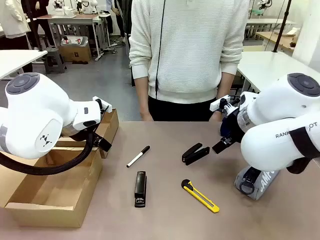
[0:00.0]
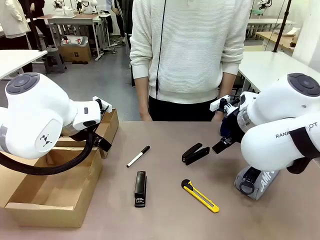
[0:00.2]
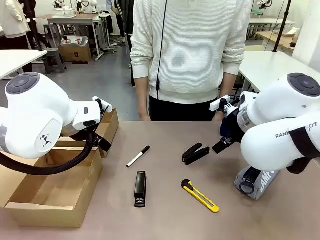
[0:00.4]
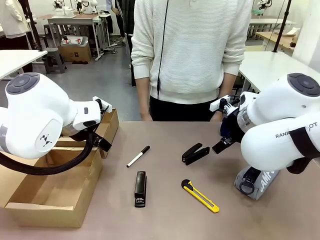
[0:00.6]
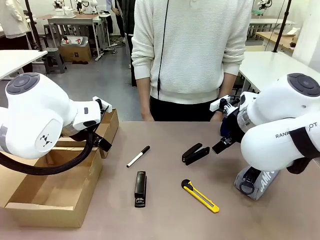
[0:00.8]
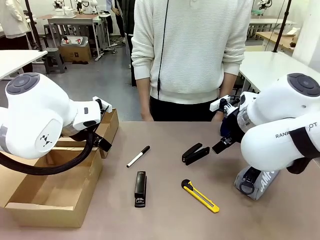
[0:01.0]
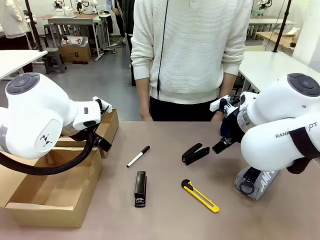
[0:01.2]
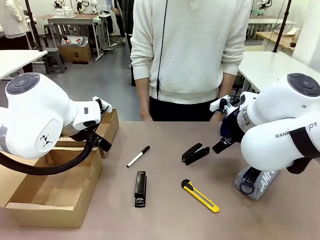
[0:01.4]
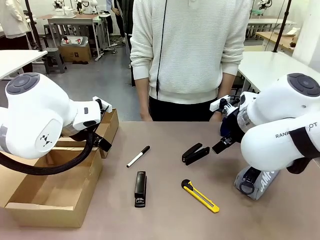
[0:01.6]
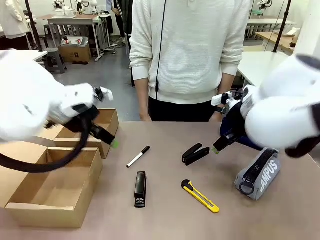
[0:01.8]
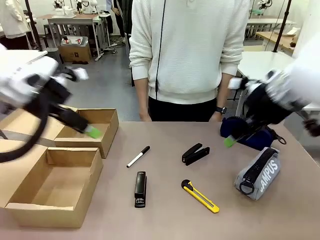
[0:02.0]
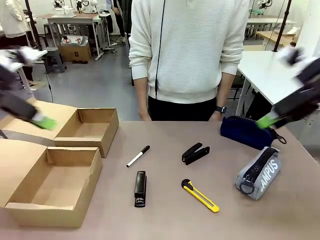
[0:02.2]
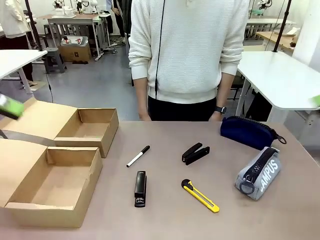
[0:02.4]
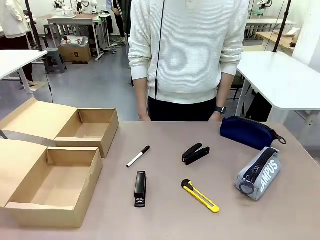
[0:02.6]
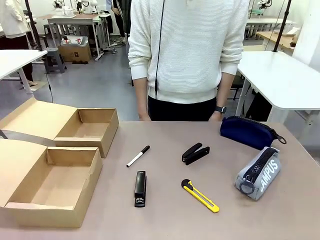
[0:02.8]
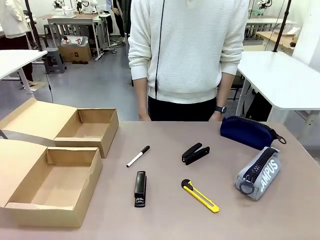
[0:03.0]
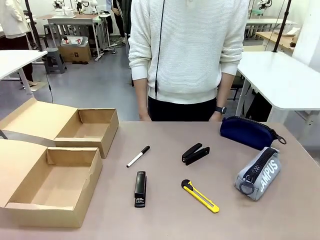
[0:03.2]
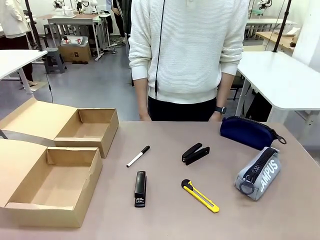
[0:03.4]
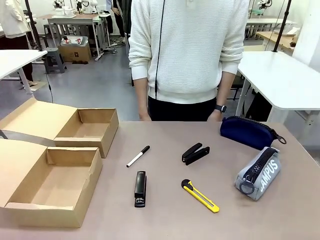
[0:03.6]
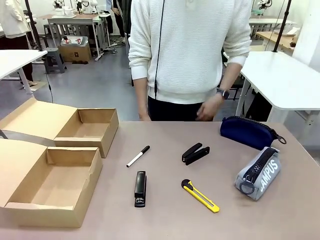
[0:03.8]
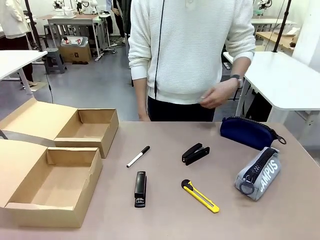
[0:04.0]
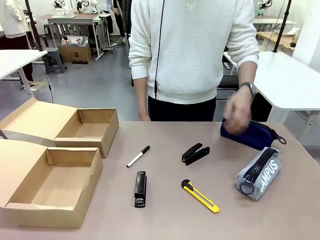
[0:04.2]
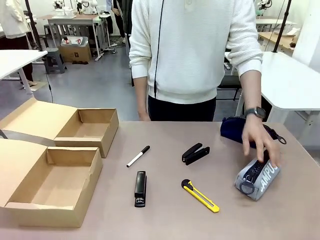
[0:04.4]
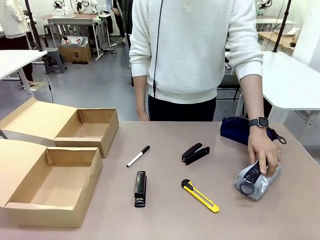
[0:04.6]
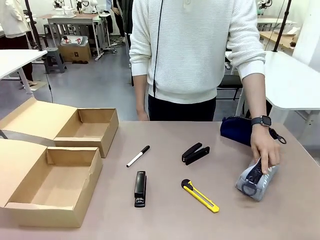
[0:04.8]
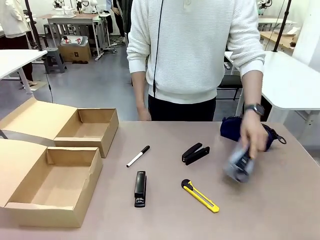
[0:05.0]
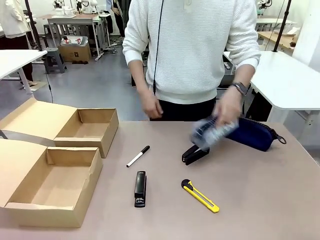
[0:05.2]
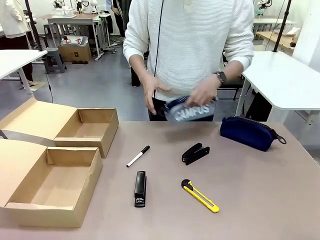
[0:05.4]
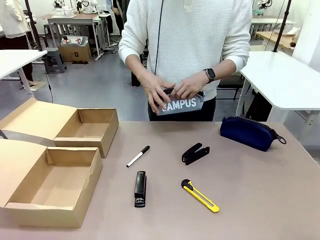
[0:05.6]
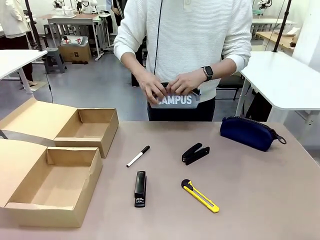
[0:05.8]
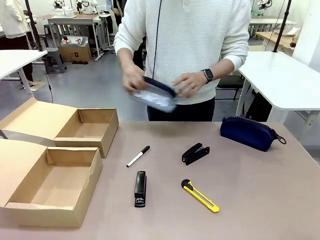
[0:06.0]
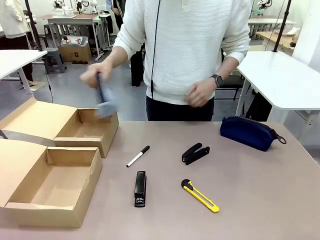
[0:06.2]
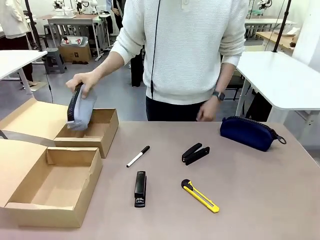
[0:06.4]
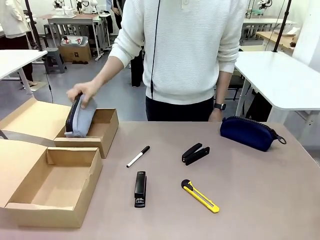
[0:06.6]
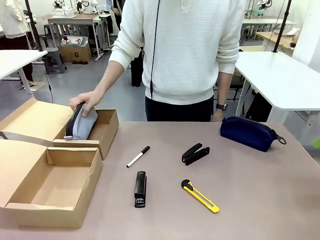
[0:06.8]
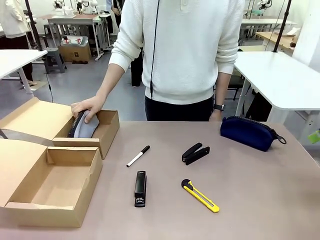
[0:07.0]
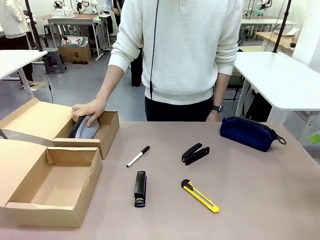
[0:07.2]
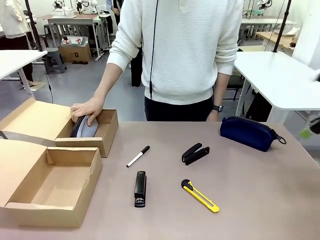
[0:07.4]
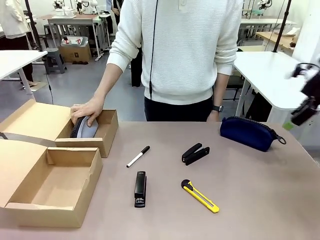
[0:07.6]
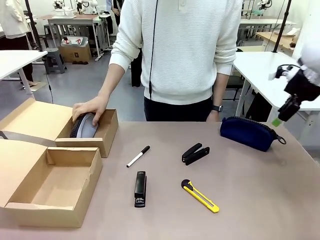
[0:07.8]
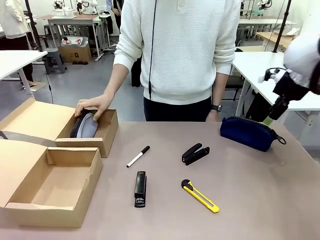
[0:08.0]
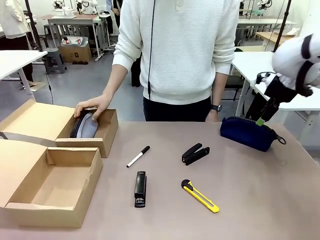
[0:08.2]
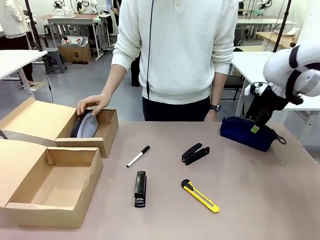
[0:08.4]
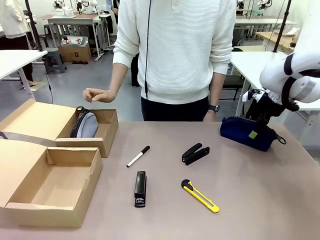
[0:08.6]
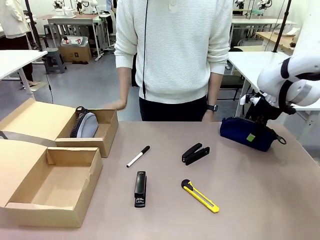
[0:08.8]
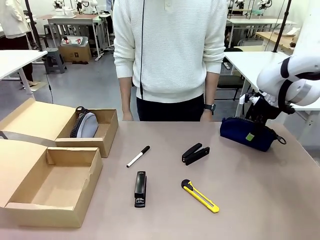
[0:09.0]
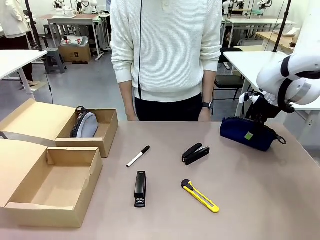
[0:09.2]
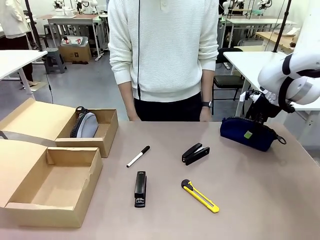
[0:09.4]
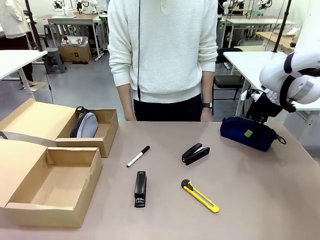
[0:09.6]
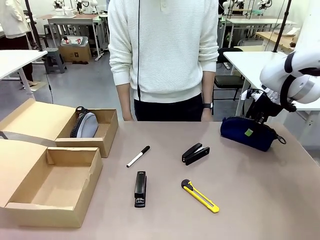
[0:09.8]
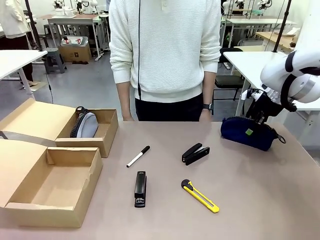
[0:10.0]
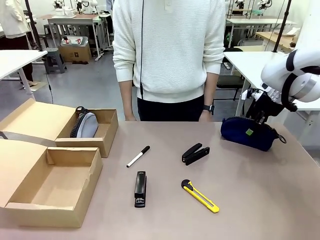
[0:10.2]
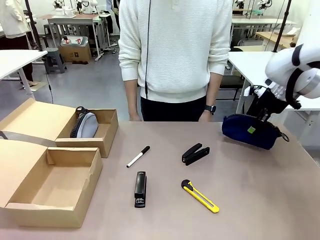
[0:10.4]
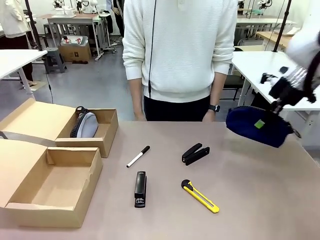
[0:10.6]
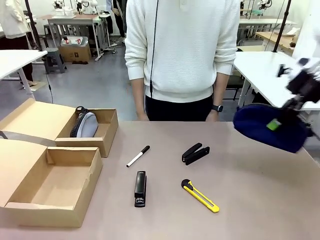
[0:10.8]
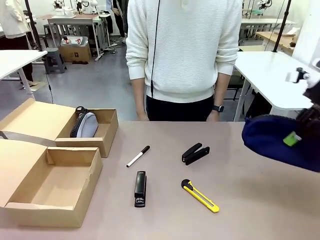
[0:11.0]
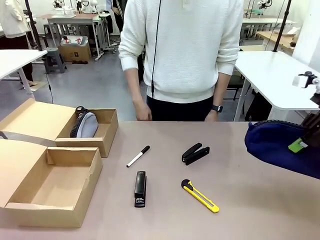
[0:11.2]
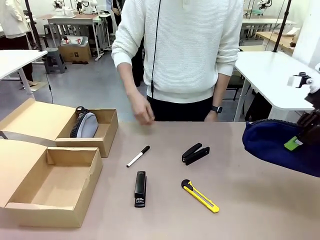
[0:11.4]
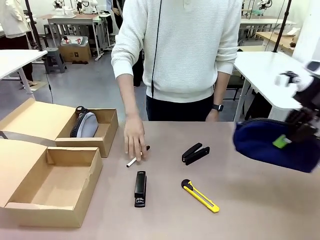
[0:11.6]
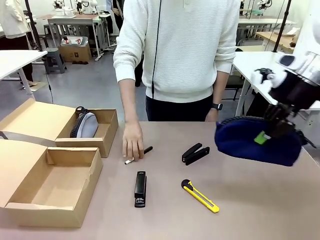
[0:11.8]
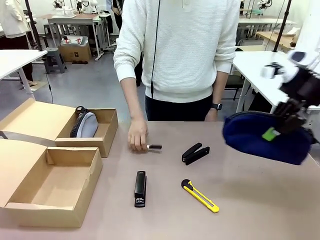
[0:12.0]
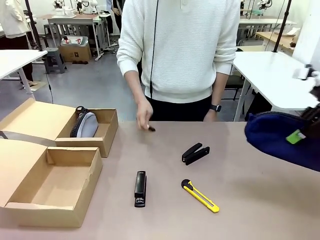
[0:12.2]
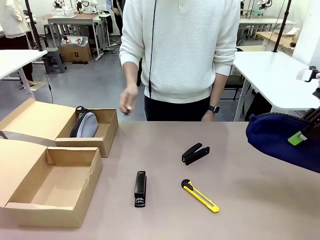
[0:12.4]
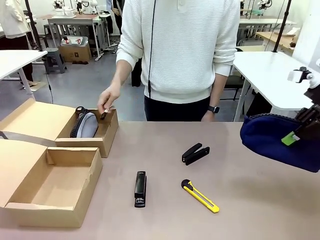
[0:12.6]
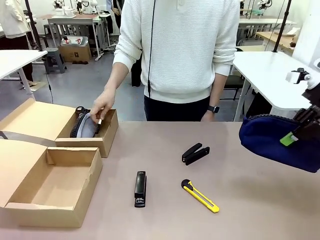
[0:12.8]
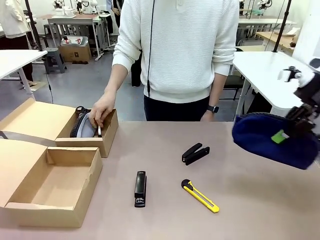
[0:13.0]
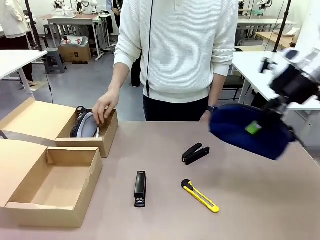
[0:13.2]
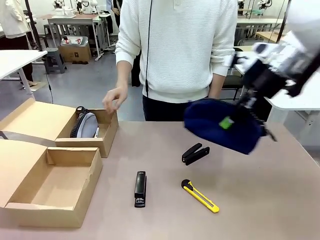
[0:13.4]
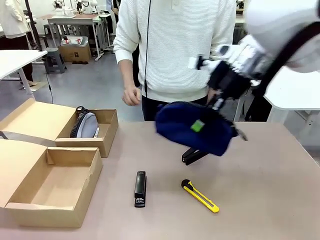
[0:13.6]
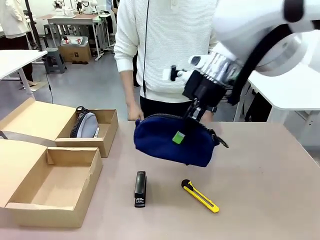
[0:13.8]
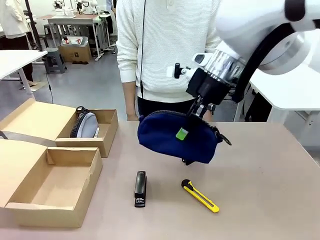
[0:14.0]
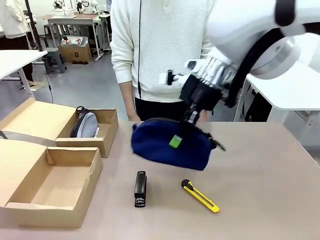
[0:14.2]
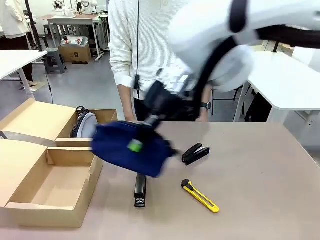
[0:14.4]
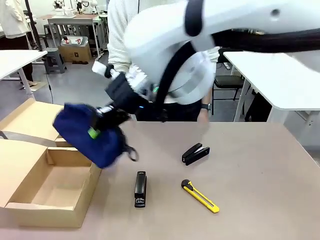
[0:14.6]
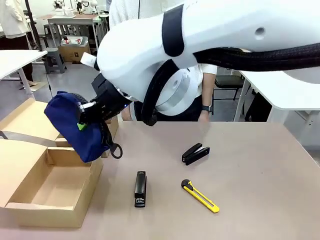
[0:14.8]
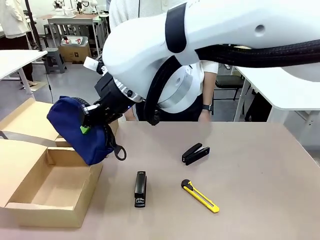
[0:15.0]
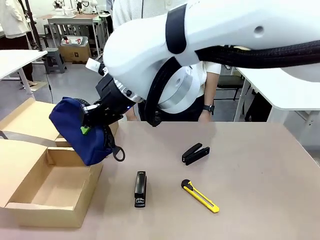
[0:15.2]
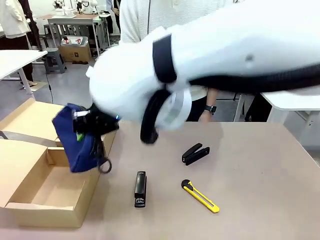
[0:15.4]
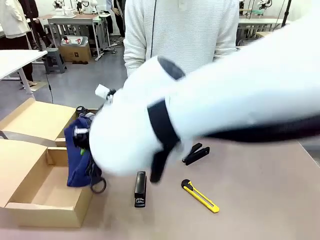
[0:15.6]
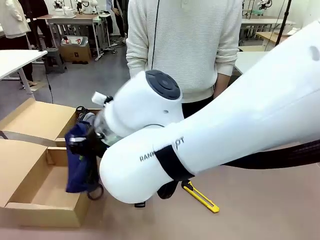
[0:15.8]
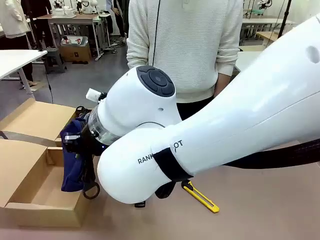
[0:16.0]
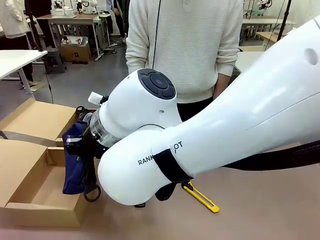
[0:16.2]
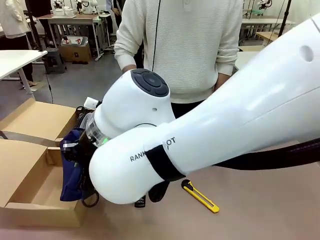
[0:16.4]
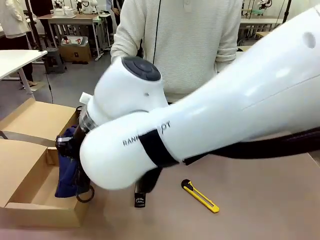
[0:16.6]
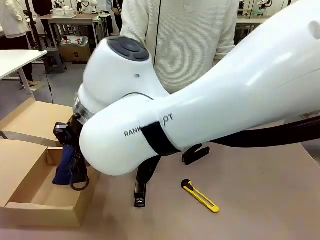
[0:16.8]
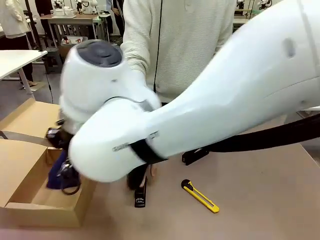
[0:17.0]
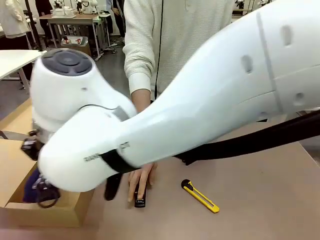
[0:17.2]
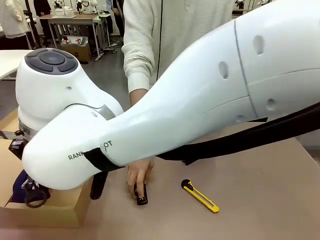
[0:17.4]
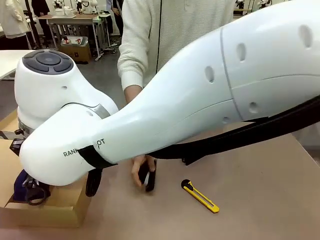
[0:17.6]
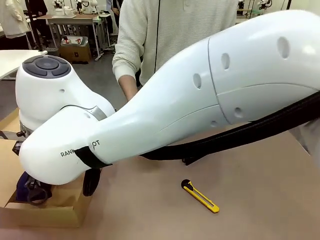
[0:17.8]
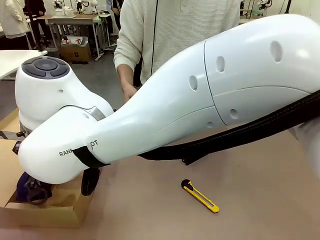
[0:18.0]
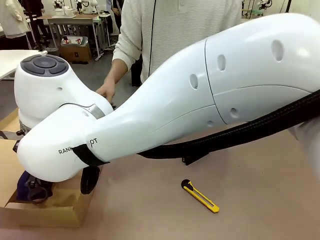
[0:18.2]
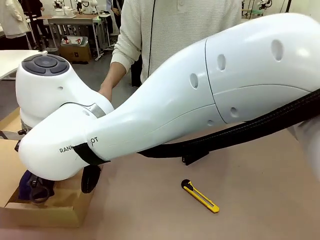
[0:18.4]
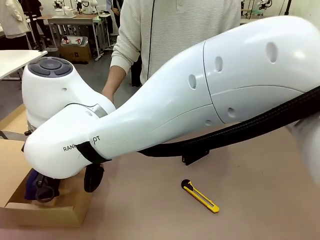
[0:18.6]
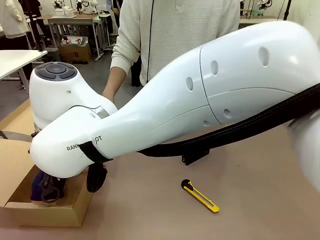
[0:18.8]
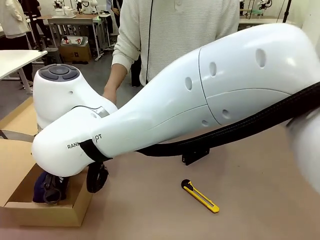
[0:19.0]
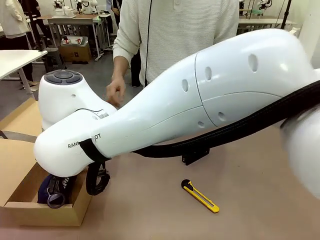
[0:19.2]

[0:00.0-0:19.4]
Task: Place items inside the box.
Robot: Pick up a Pencil pouch or Stapler and place it inside the Mailer Box closest to the robot.
Person: Pick up an object on the table and put it in the box.
